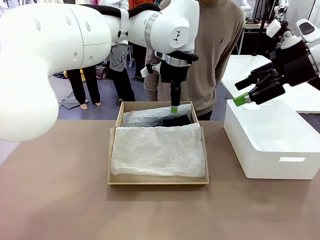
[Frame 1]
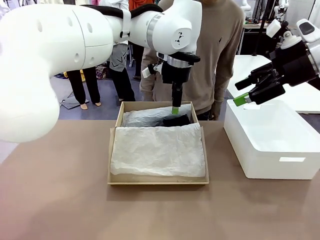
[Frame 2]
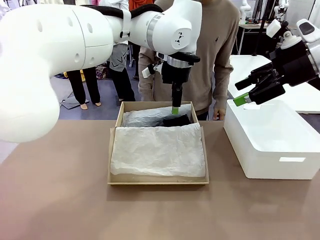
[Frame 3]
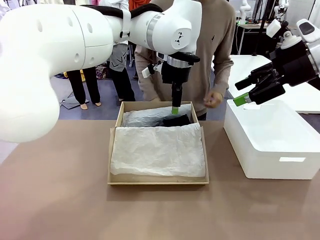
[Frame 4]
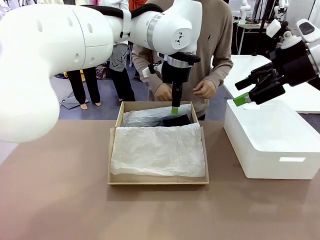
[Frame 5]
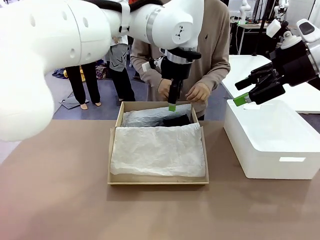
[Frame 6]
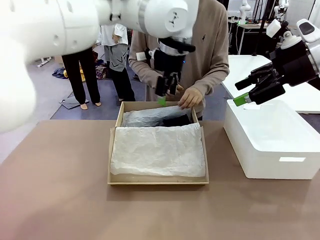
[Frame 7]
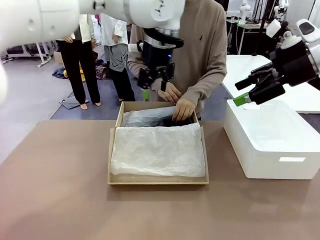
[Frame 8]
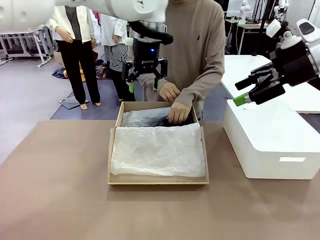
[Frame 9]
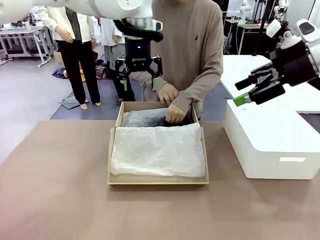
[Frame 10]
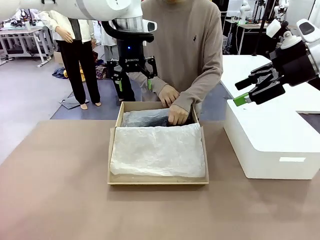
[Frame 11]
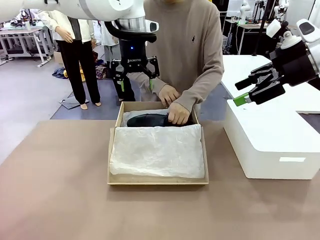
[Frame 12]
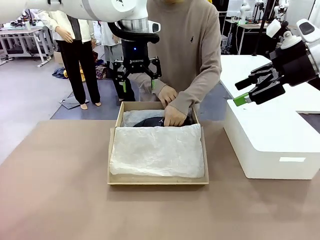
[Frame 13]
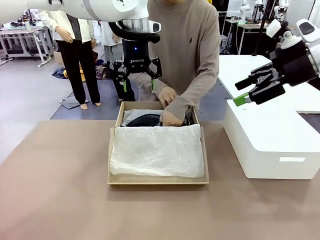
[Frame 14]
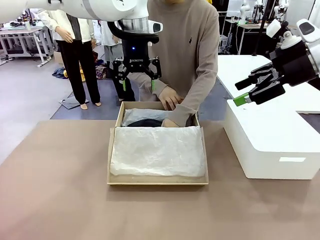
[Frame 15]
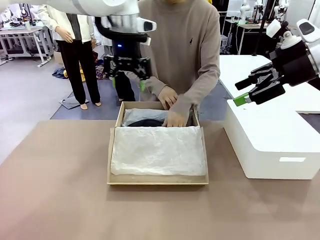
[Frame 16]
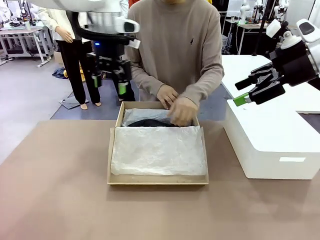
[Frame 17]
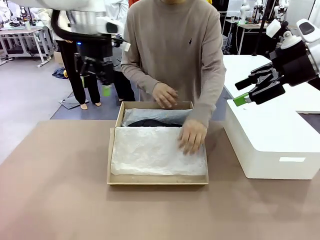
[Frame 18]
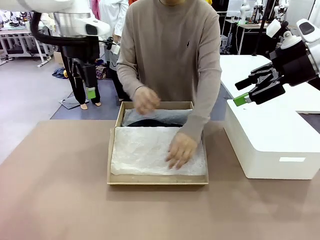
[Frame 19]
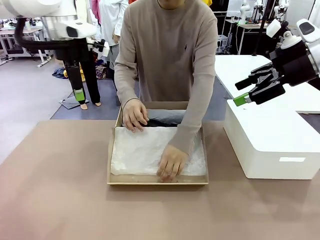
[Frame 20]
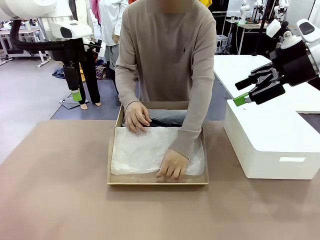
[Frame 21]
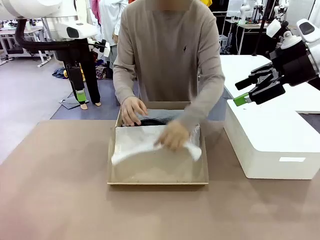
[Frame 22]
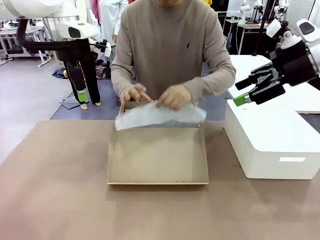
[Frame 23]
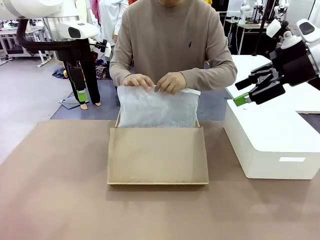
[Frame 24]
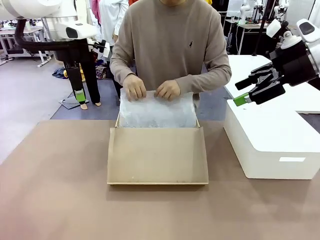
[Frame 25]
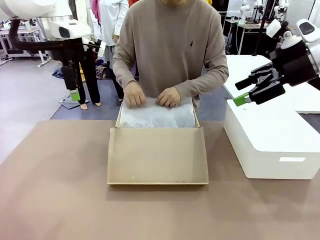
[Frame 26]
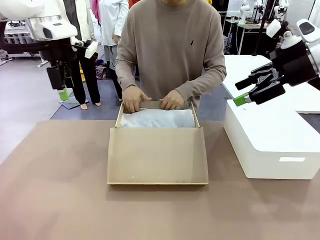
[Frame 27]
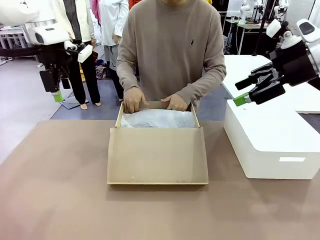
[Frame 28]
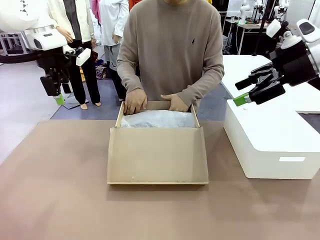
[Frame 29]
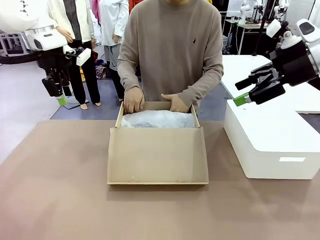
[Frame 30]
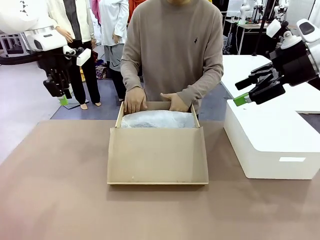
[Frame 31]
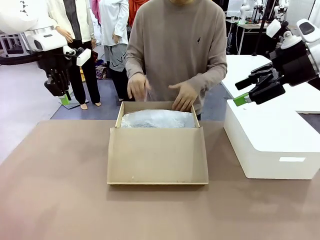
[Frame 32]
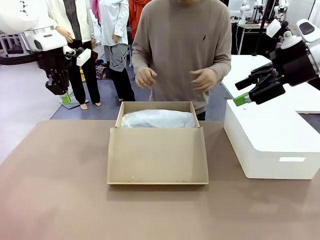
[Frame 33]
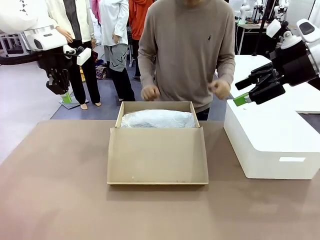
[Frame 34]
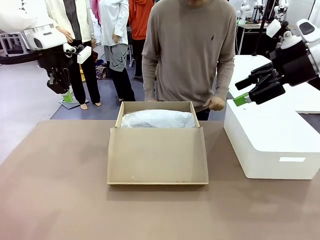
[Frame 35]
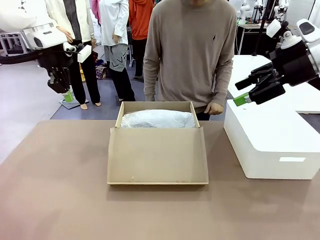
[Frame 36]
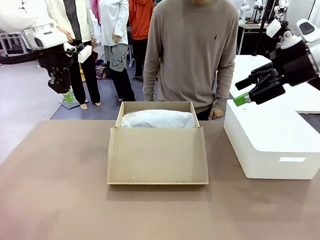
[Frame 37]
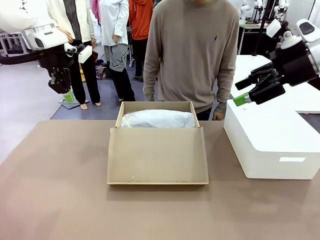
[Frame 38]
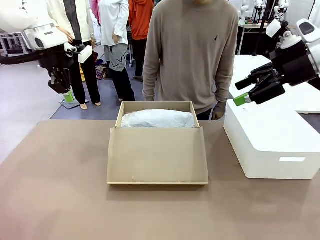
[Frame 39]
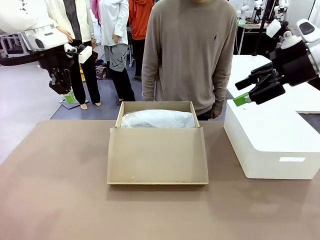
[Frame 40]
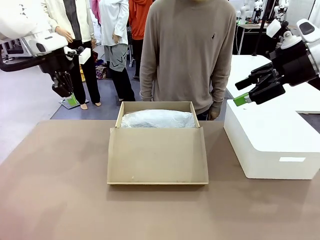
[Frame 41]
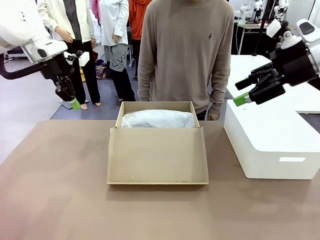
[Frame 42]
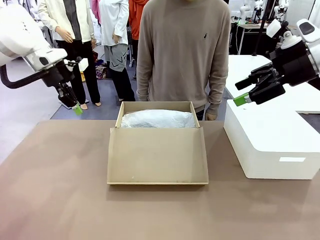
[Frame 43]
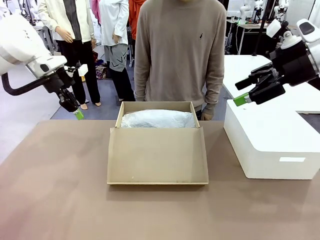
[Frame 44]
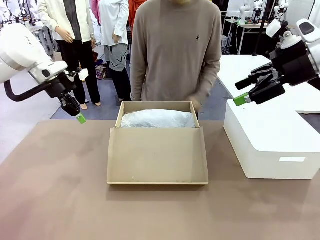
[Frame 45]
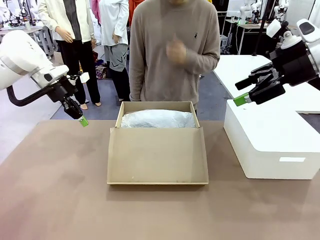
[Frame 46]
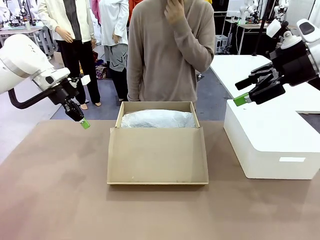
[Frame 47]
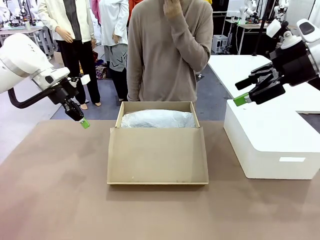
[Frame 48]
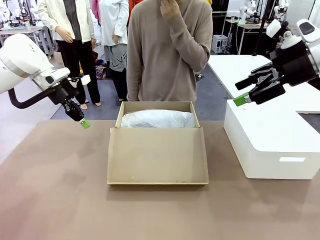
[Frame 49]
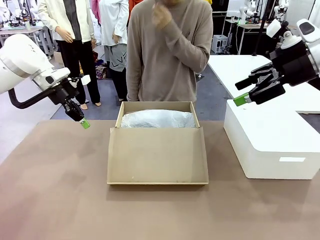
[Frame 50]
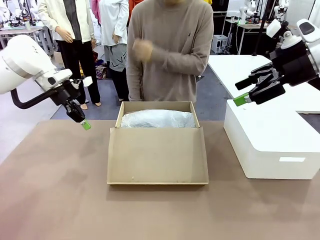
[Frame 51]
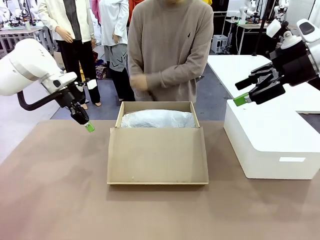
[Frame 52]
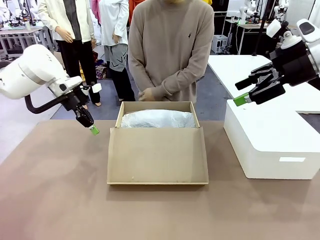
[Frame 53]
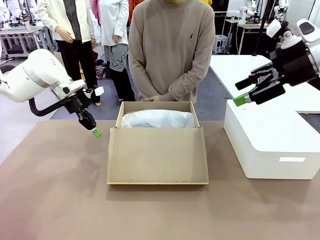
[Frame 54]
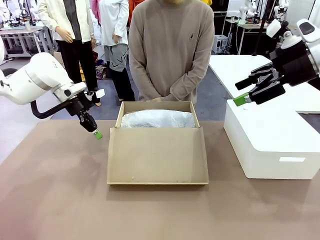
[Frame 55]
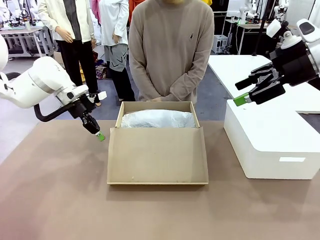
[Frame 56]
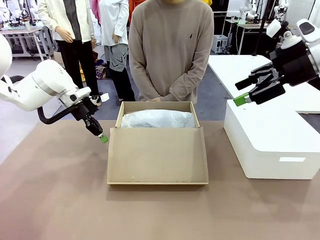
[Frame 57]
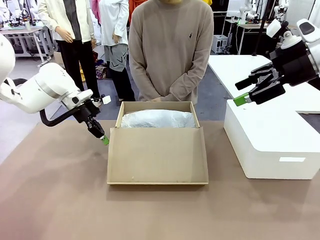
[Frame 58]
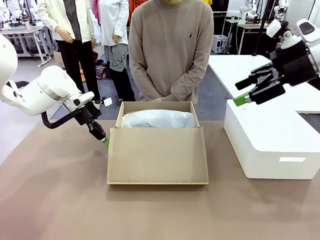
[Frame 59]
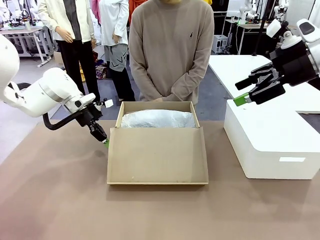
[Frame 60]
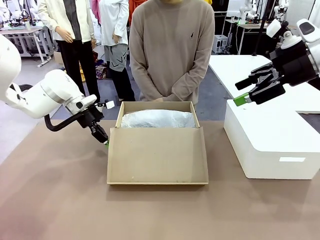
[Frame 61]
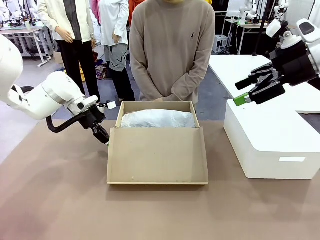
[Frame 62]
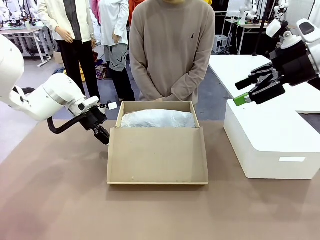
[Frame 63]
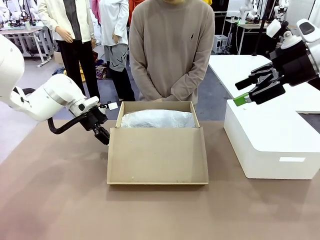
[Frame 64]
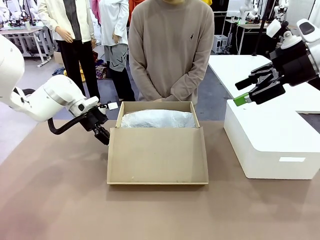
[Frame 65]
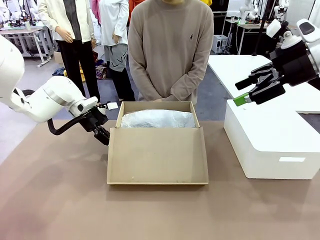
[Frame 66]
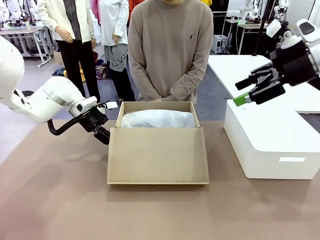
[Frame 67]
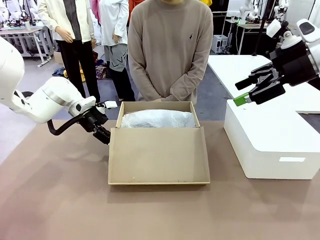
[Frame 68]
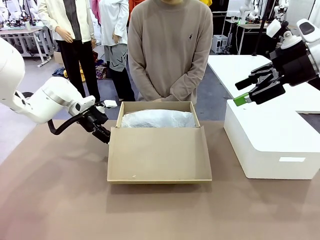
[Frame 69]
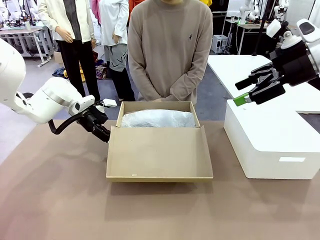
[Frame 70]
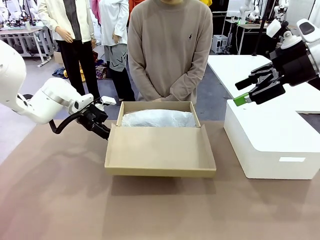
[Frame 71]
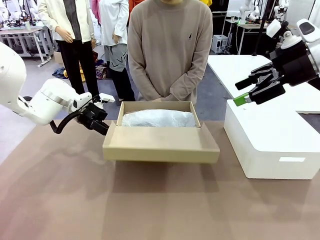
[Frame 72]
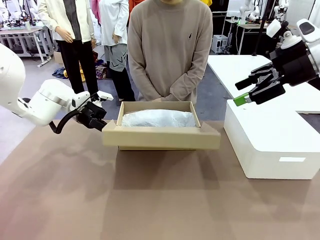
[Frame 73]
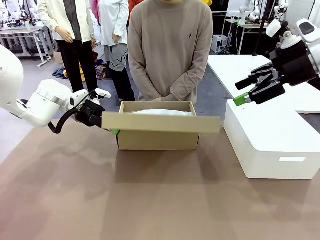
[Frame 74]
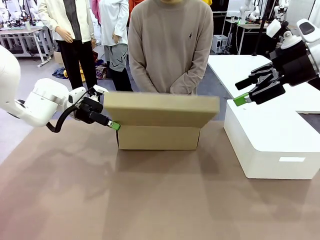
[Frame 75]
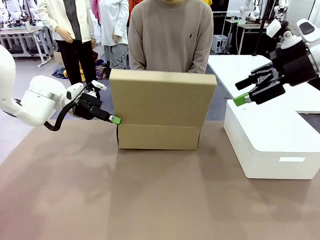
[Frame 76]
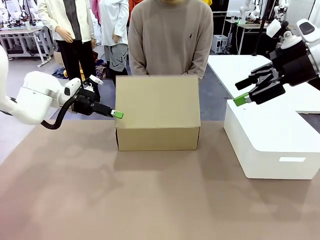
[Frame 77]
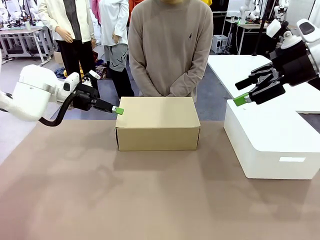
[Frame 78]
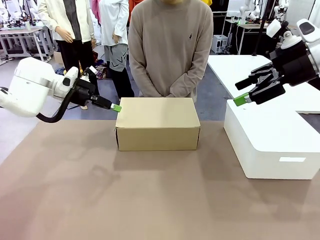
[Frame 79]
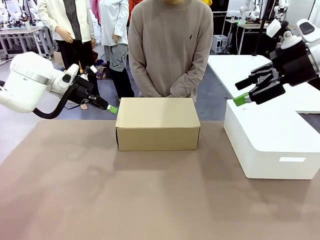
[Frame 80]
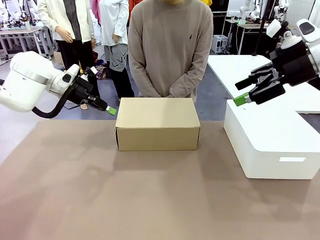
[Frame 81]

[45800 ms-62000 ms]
Task: Pack the shoes into the box.
Robot: Close the Shoes Box.
